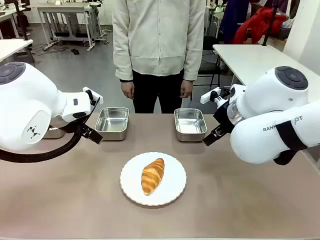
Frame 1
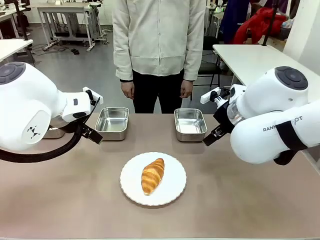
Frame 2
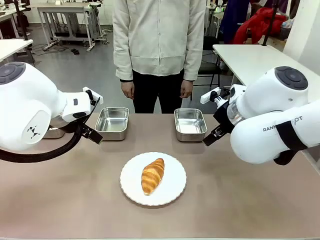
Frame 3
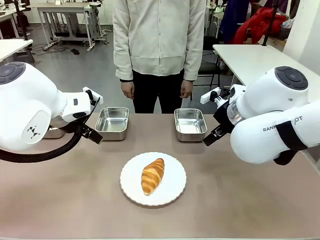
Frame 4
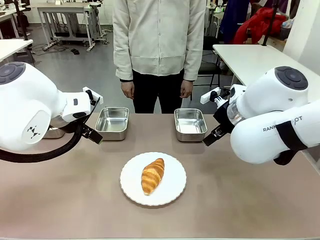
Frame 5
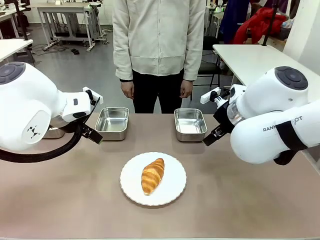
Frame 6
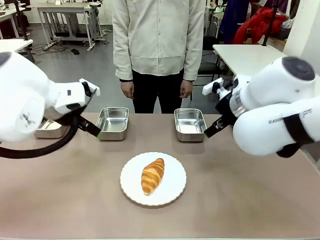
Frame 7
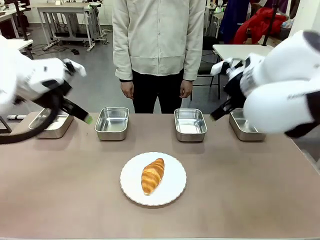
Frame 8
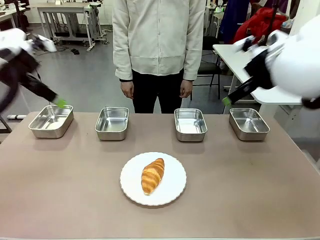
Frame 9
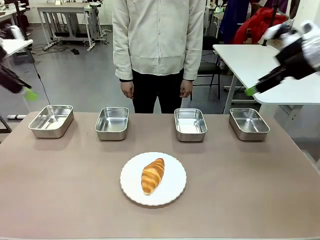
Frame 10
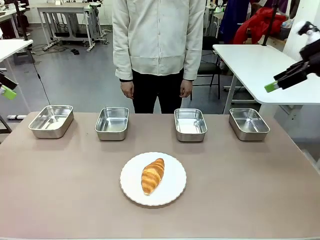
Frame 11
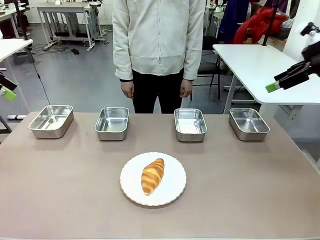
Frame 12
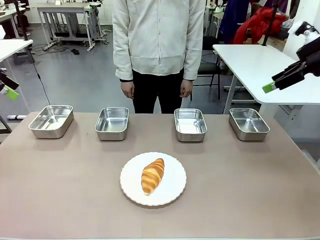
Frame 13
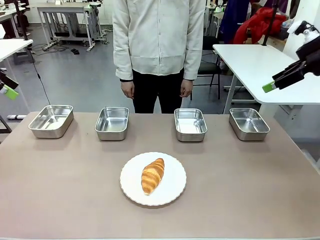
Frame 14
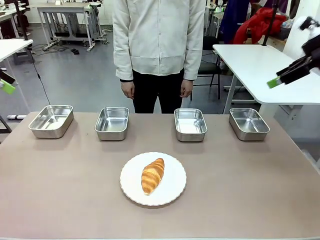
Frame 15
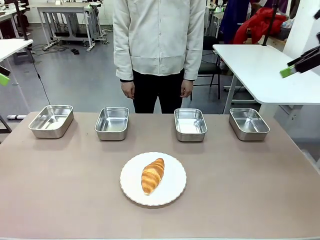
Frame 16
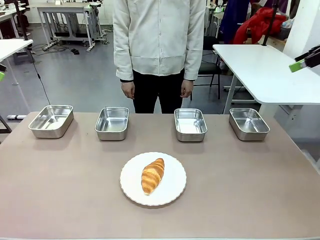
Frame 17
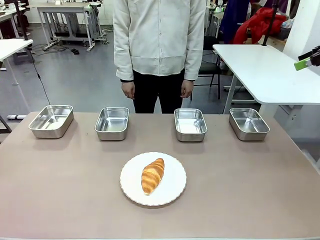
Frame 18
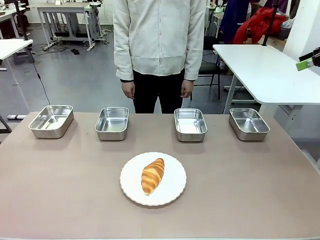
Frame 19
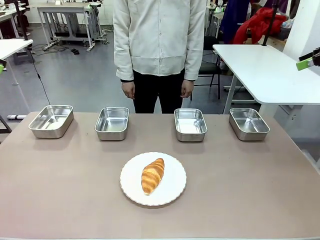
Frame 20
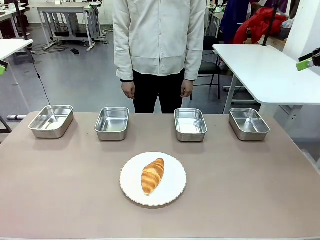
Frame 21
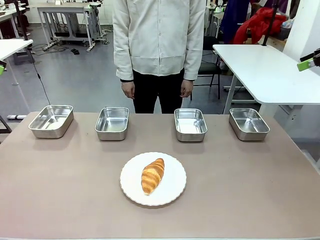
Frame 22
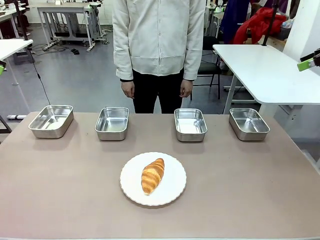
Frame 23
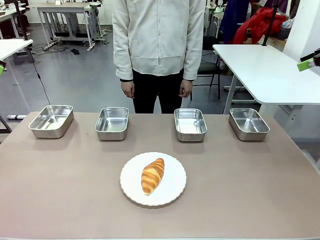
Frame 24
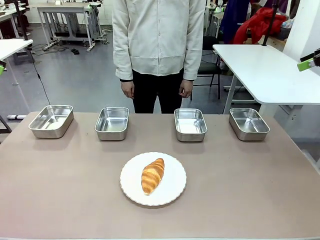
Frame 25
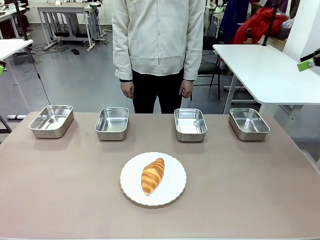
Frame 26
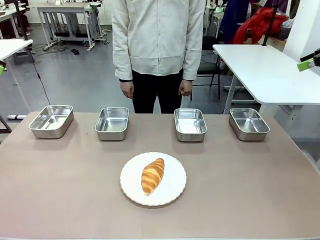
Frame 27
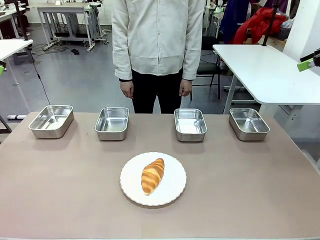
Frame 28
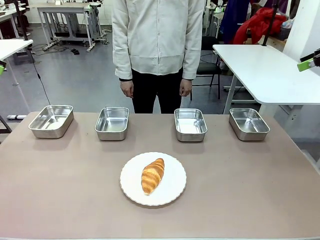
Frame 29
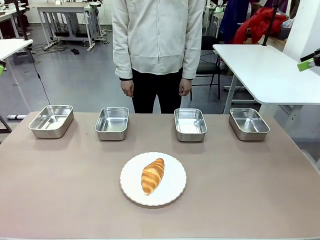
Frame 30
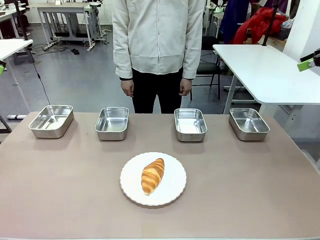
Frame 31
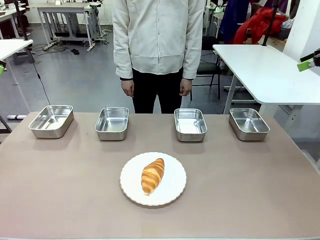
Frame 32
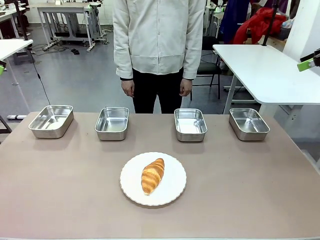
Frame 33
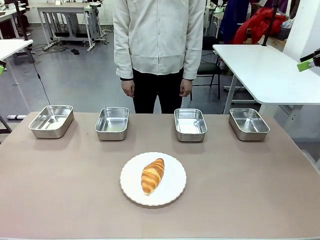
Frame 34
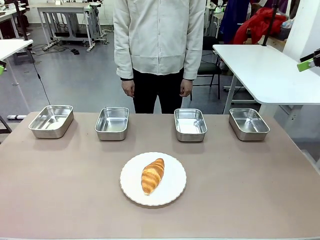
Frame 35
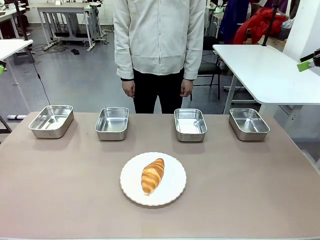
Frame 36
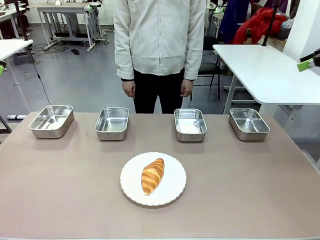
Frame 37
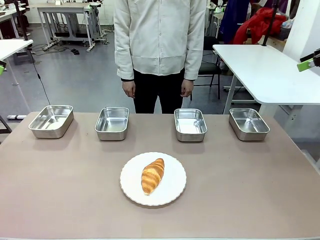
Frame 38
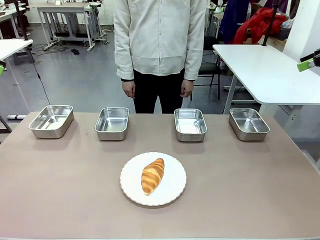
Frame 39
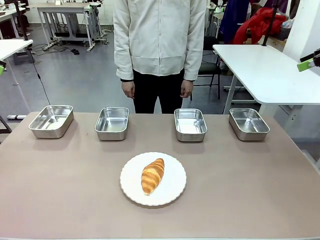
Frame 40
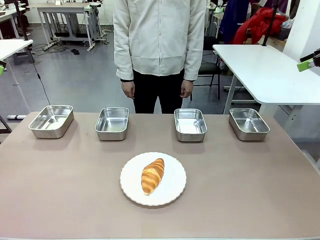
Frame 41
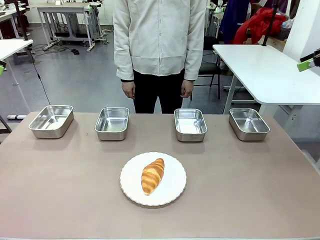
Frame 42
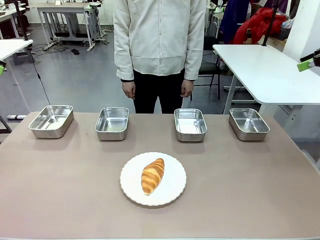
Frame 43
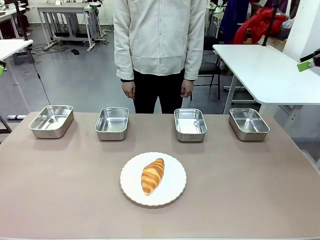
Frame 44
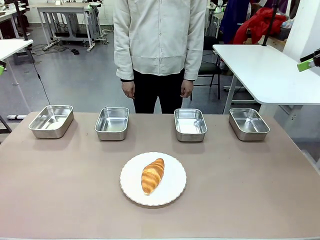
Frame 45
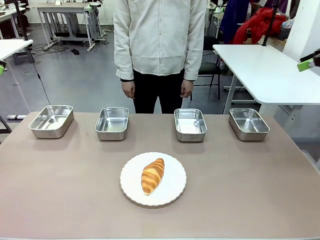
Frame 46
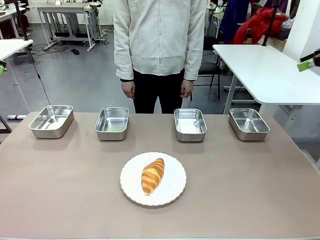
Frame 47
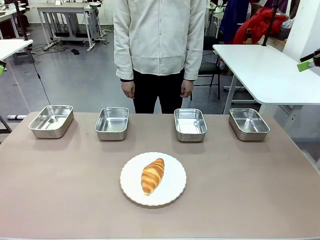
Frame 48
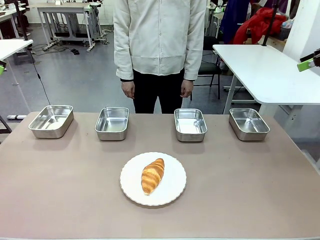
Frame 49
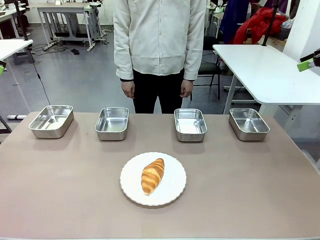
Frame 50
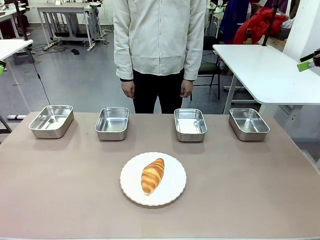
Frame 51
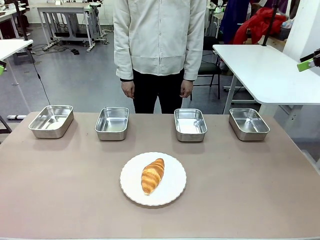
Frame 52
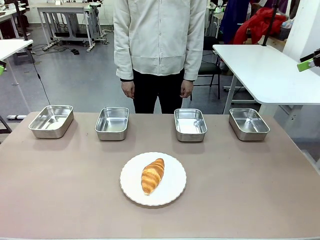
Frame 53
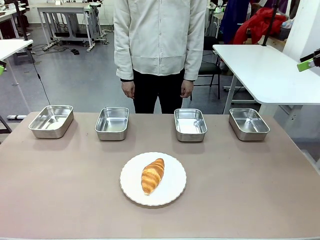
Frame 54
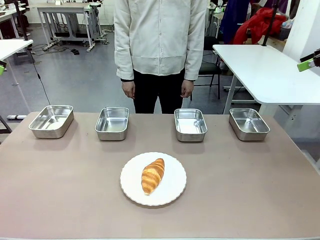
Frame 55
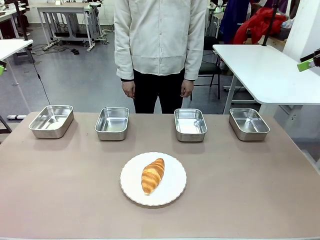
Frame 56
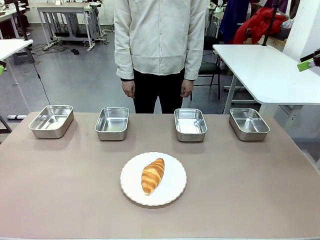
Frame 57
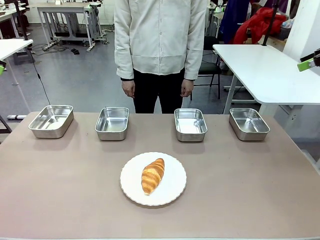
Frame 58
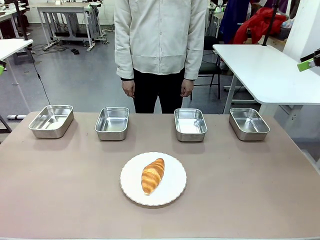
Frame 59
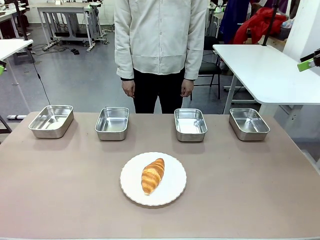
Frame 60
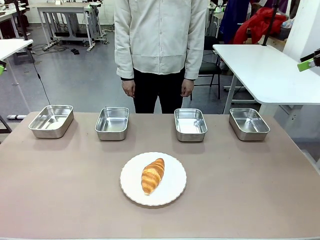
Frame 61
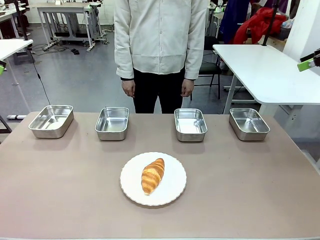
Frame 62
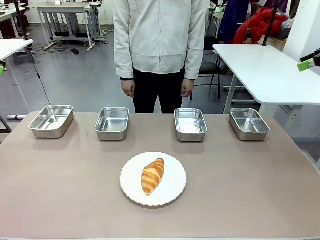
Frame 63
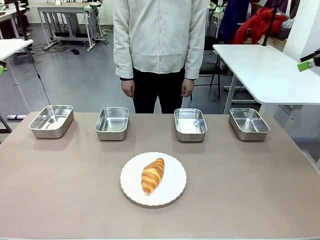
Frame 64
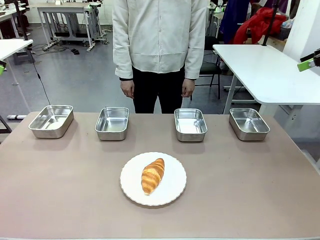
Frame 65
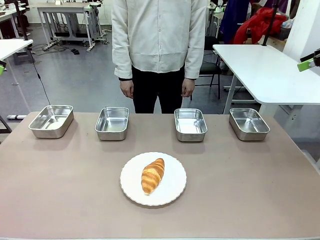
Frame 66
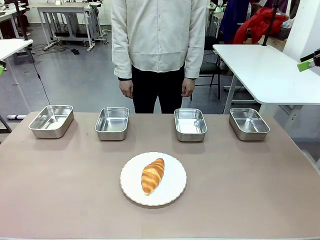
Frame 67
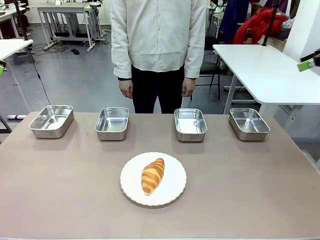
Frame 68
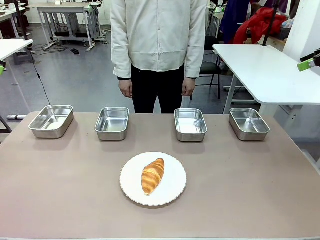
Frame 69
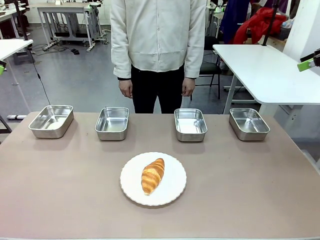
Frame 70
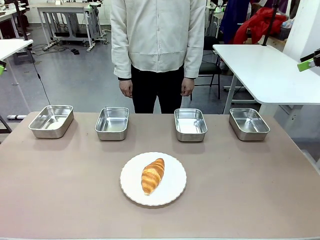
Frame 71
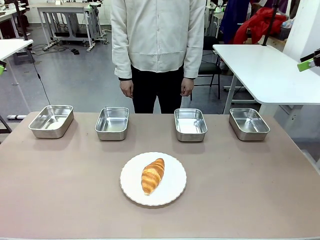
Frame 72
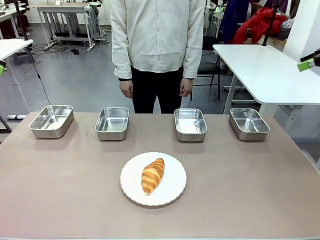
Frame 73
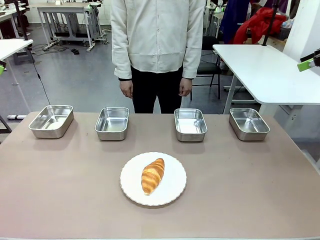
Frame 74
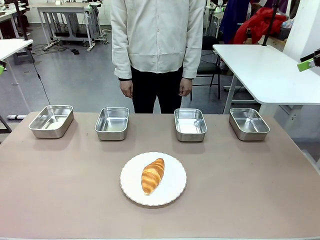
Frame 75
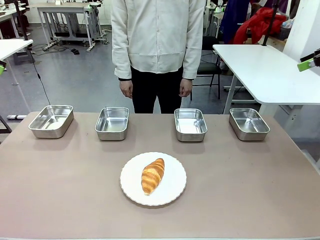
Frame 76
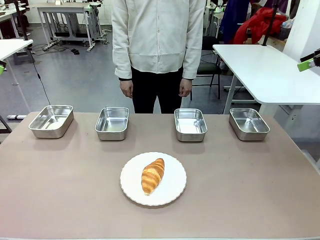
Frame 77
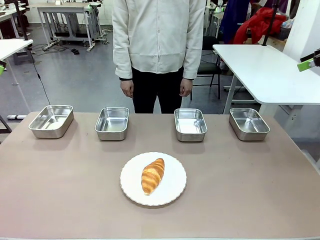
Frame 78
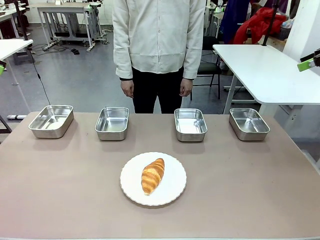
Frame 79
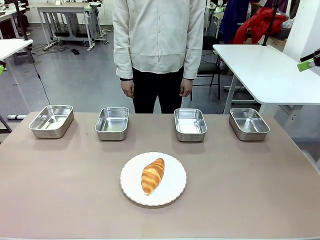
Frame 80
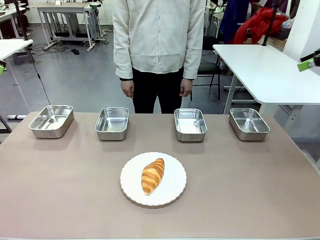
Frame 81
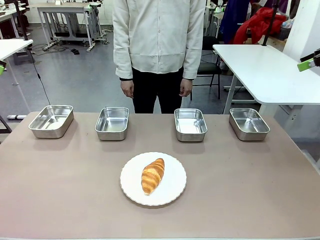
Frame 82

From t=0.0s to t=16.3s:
Task: Place the bread in the container.
Robot: Place the Butter Roll into the Airtight Container indicated by the human.
